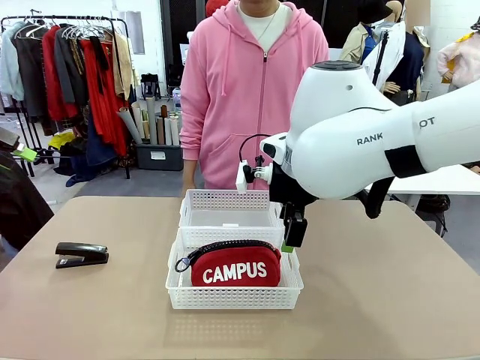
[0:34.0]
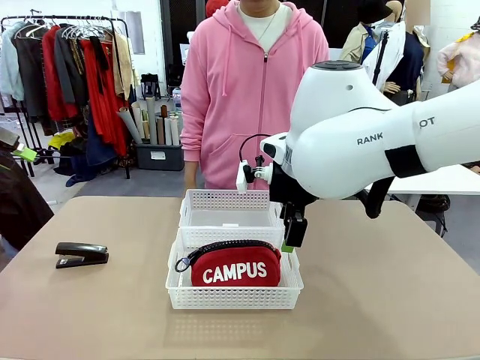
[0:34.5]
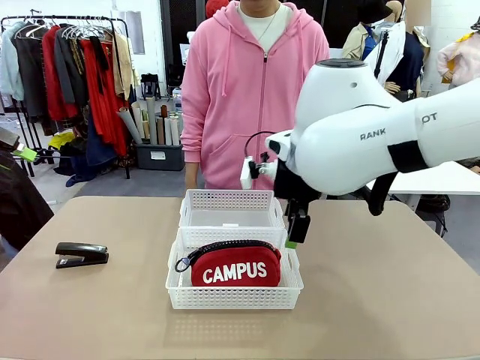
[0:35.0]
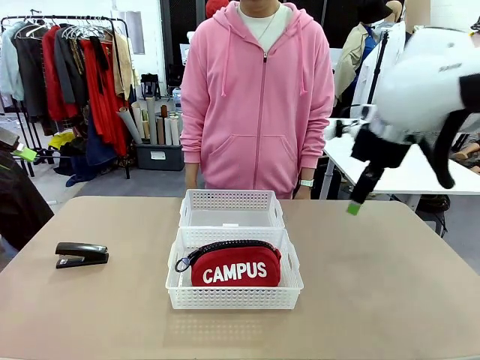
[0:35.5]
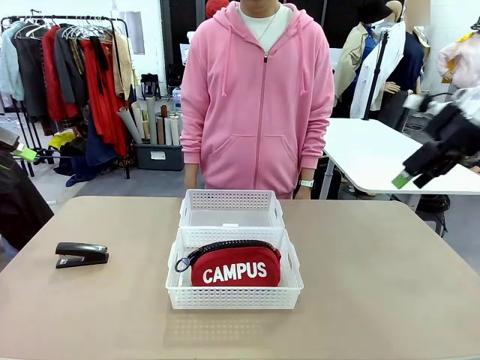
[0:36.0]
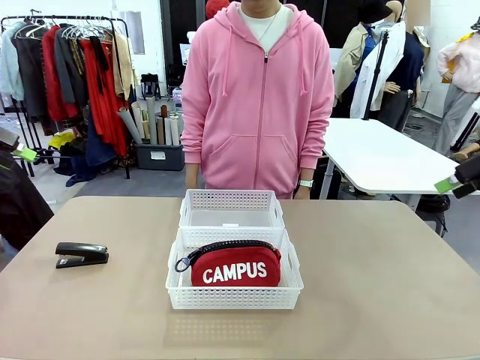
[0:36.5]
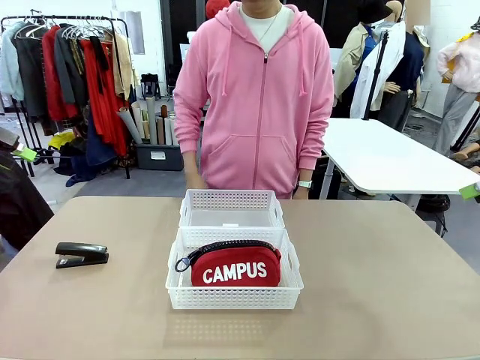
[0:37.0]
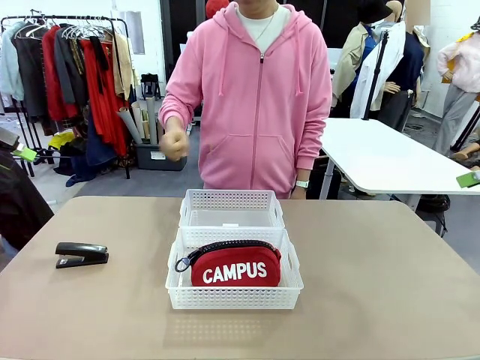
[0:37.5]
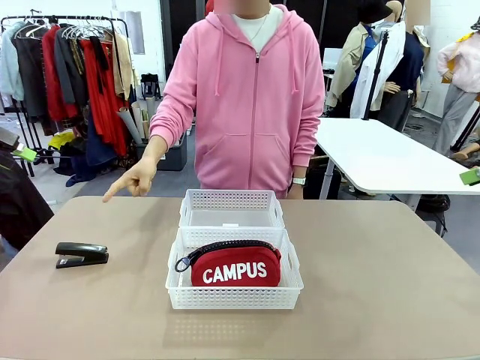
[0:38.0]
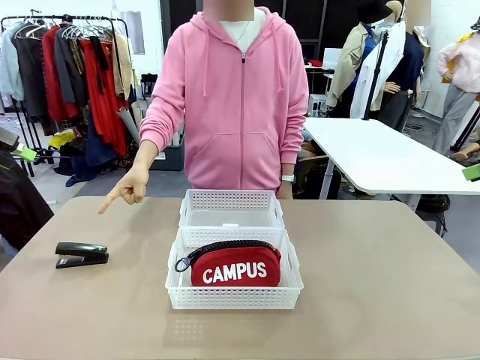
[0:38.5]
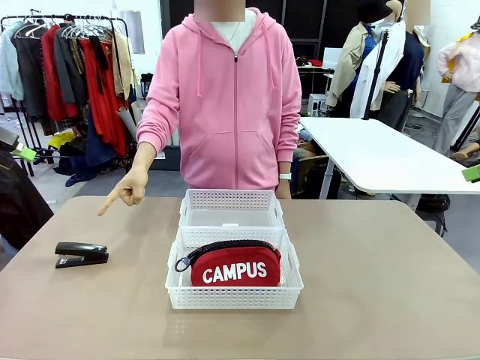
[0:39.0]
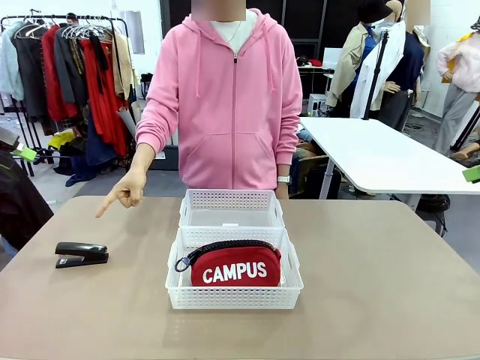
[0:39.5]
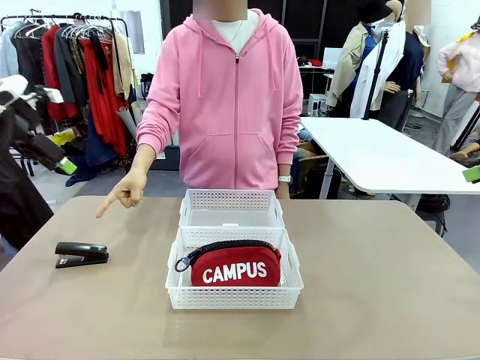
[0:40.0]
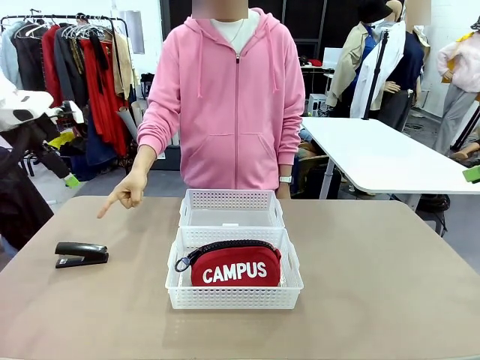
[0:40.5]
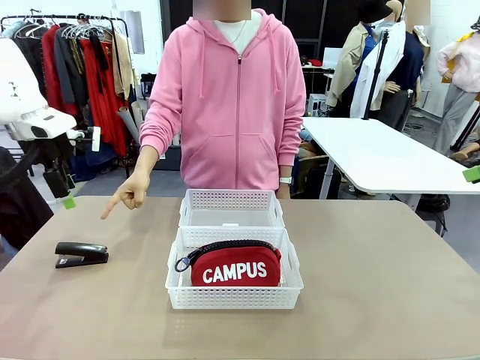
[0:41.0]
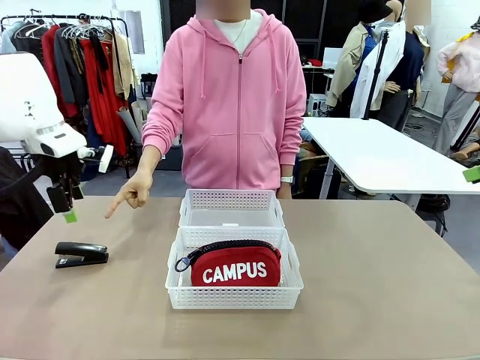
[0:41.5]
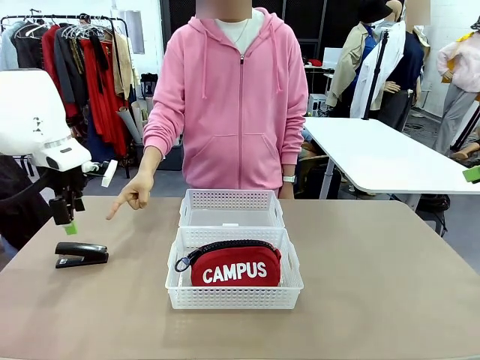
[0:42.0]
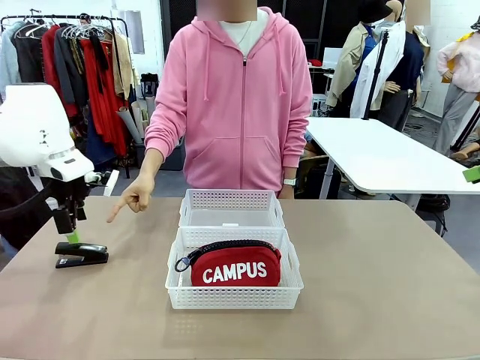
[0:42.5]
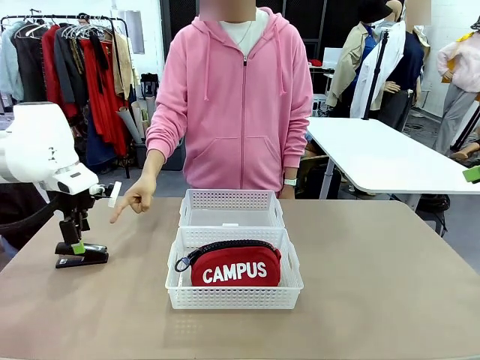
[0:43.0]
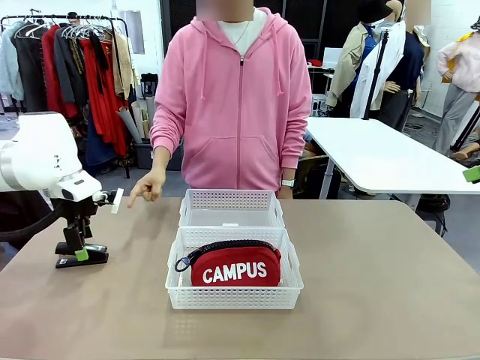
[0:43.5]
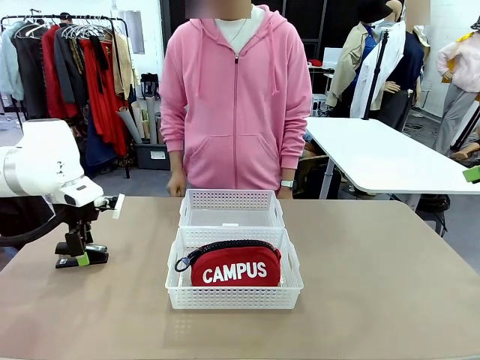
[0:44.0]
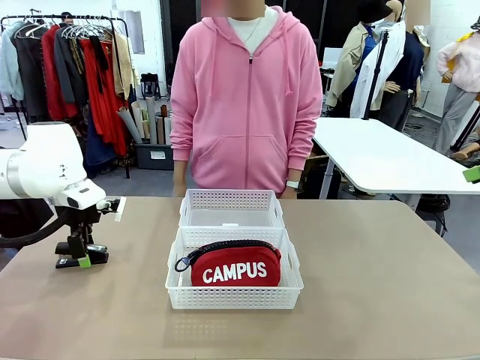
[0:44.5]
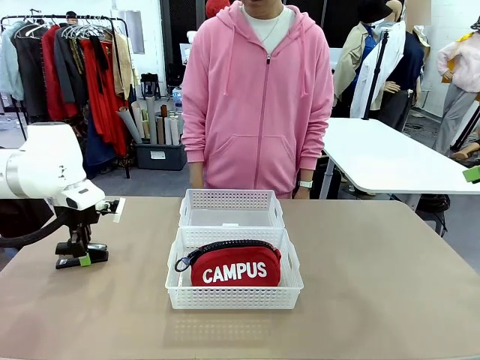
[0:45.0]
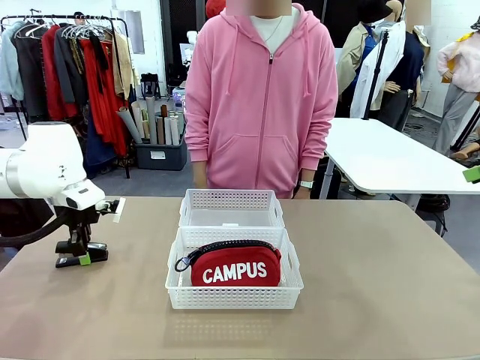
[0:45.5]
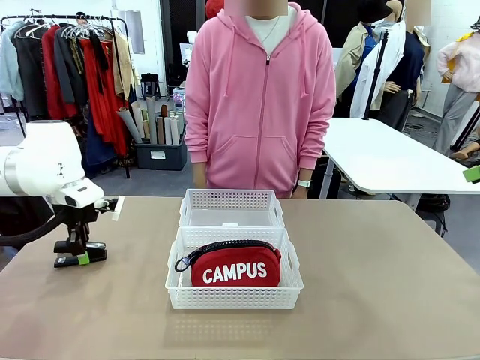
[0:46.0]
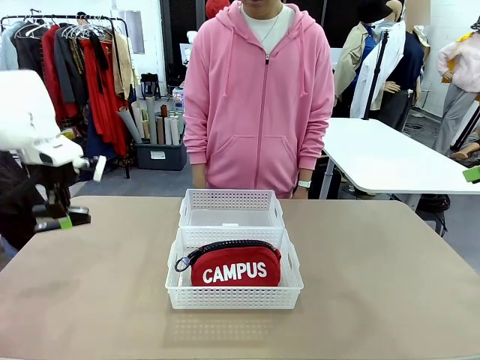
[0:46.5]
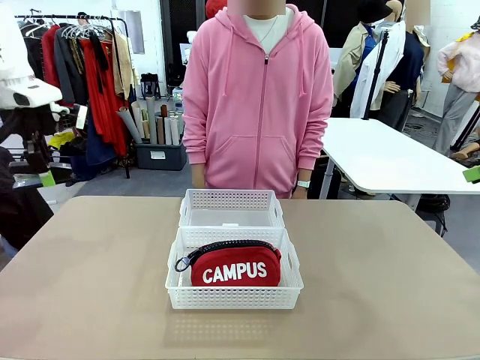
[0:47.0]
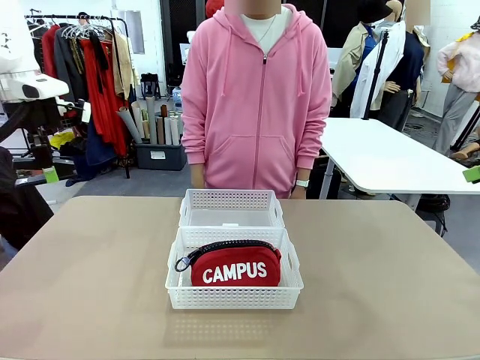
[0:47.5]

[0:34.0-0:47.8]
Task: Distribute items into two baskets.
Robot: Pick up the Stapler that the person points to.

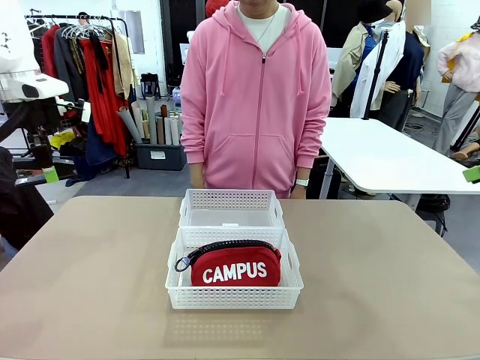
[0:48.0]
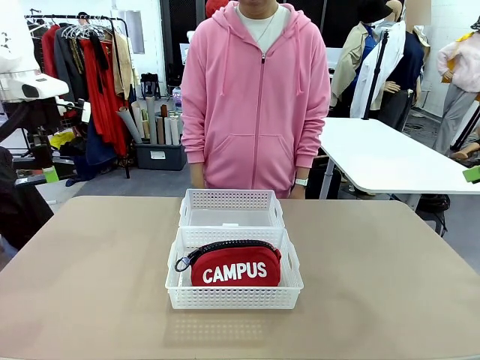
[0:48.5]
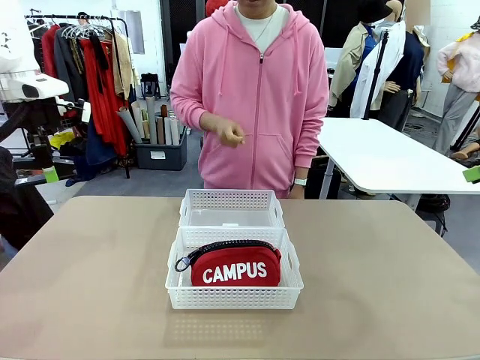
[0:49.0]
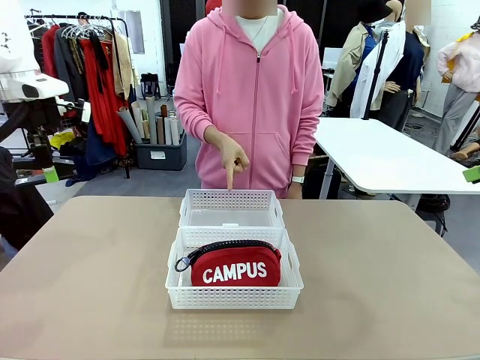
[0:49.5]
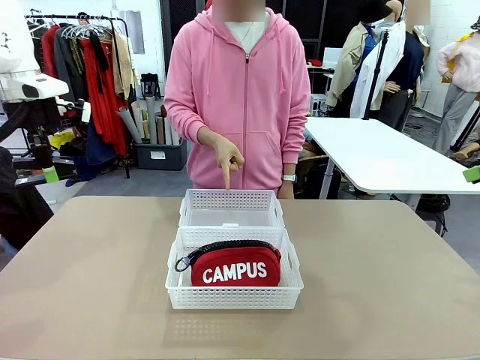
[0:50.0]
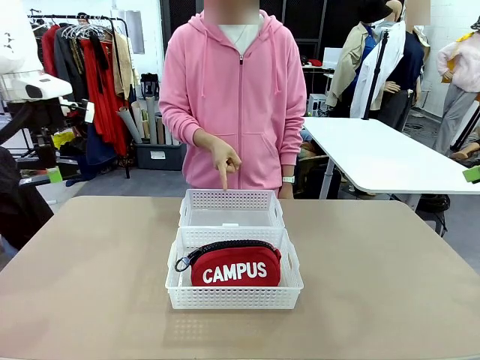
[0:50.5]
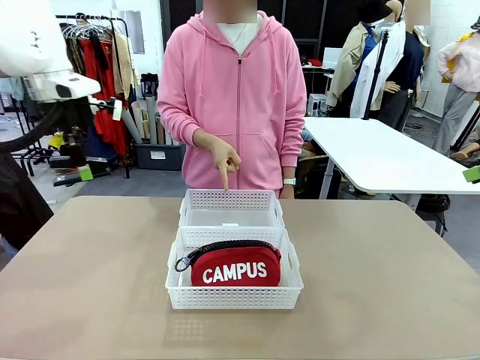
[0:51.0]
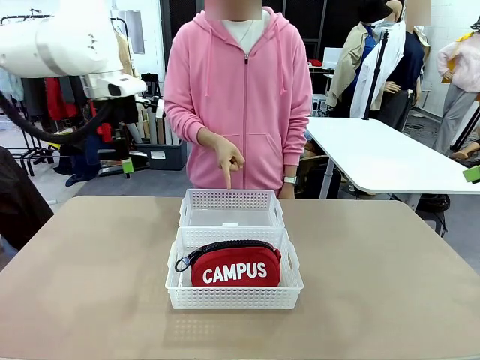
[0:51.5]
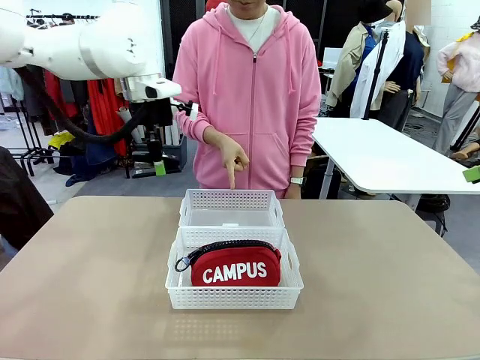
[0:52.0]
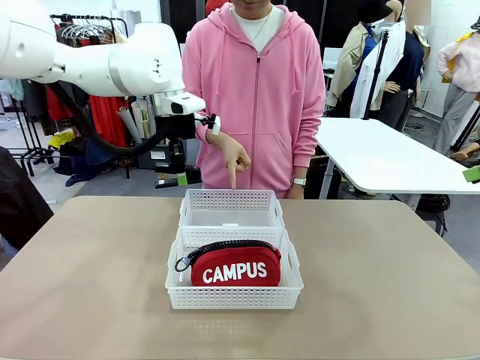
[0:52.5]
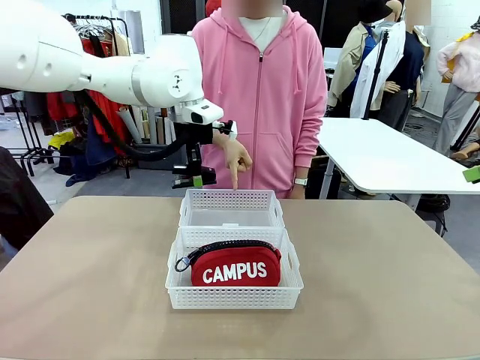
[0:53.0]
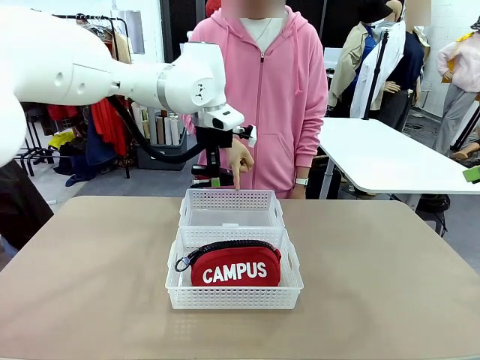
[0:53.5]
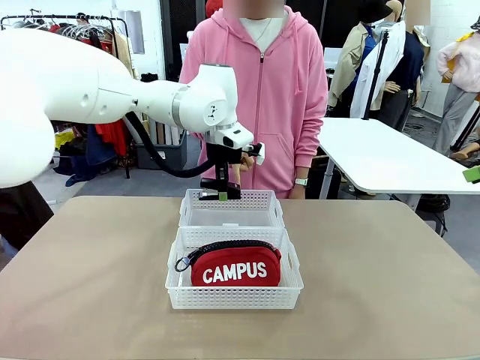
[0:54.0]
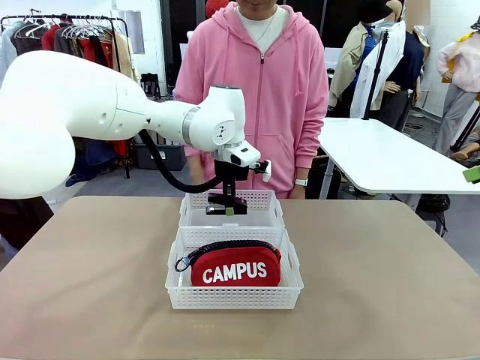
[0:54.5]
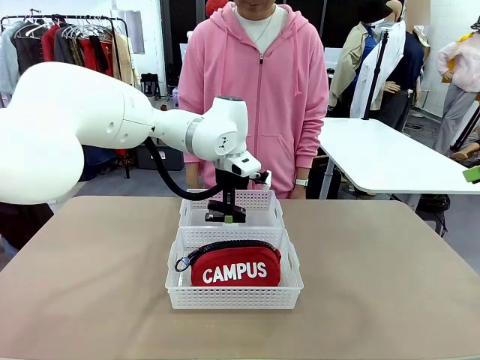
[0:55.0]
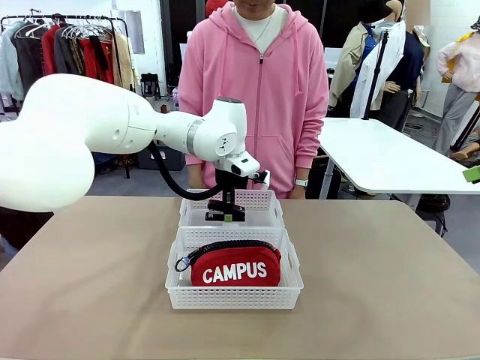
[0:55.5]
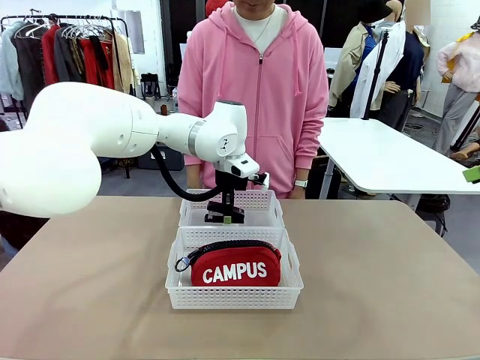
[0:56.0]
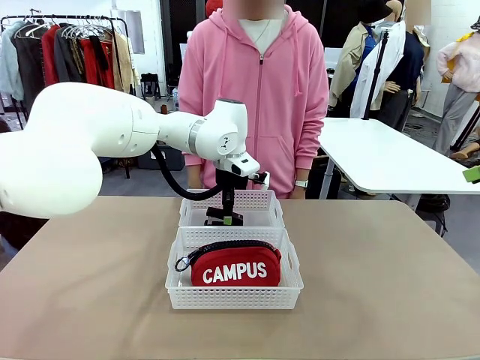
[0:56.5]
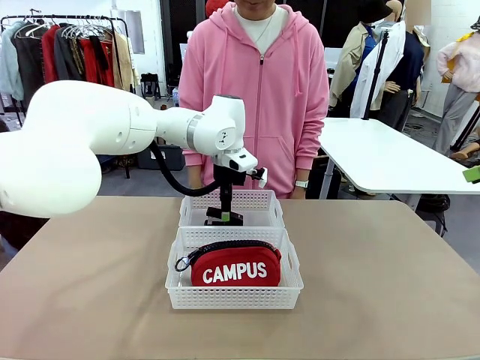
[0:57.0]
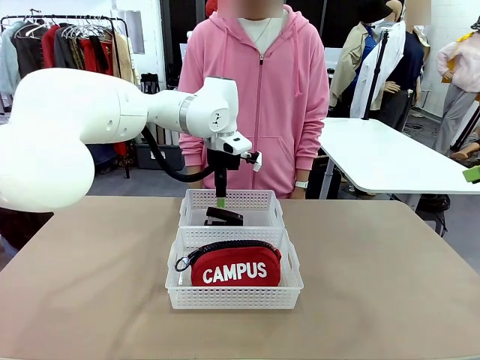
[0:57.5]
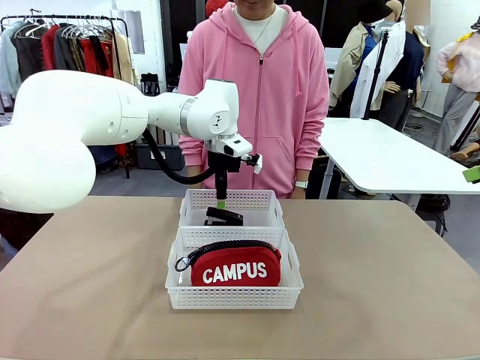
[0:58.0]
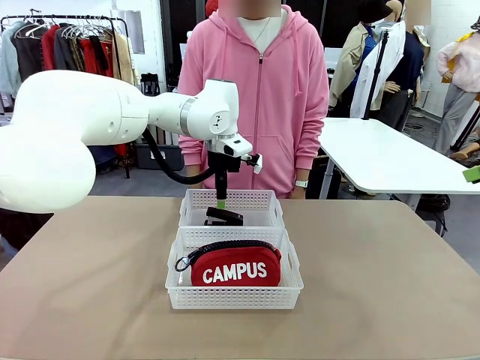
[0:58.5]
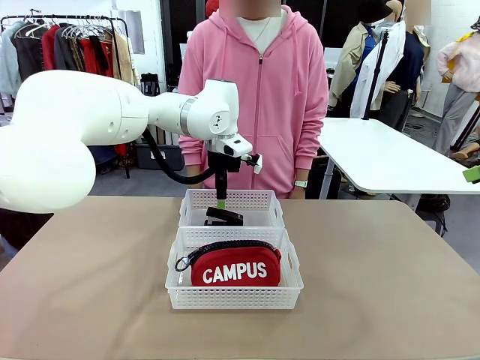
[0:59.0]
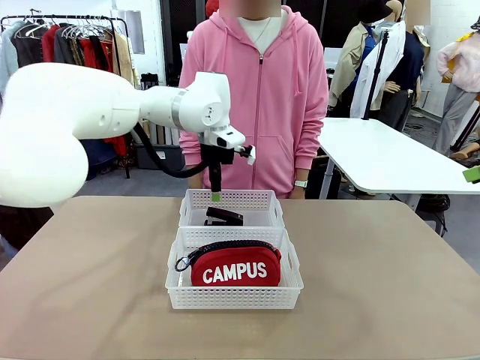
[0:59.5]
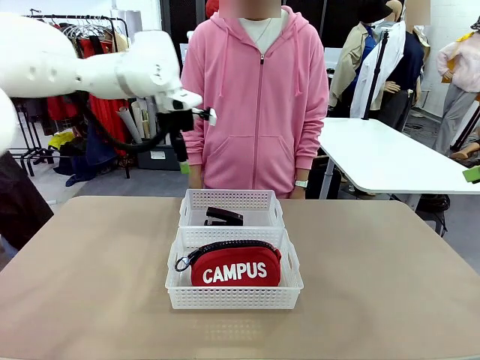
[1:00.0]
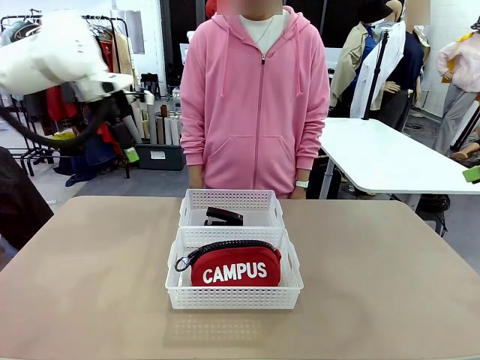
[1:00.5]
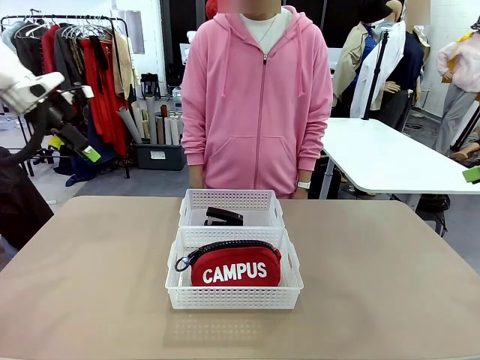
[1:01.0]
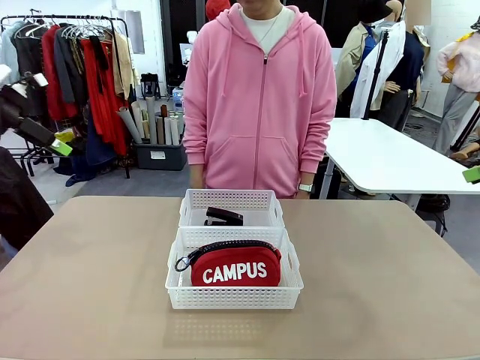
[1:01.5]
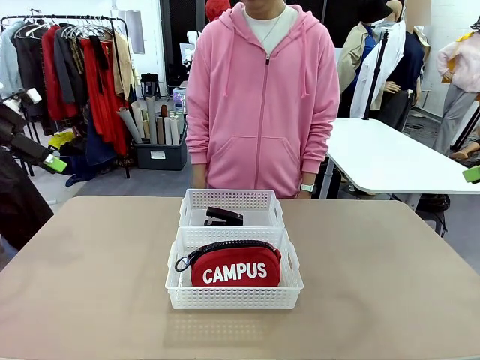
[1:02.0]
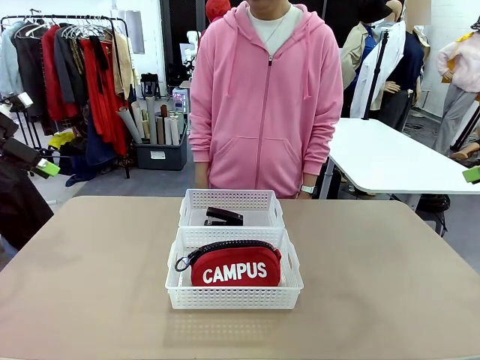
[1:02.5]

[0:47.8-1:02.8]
Robot: Place the picked Stapler into the Organizing basket as instructed by the person.
Person: Points to the basket that does not contain the pencil case and instructs the robot to move the stapler there.
